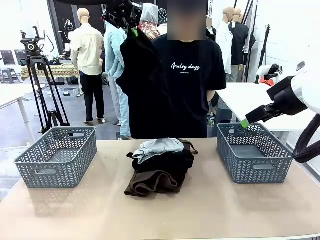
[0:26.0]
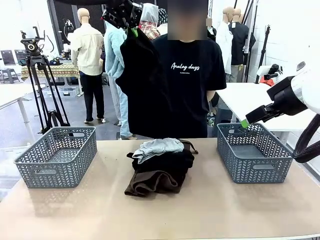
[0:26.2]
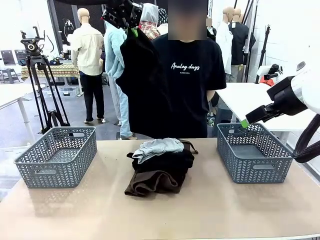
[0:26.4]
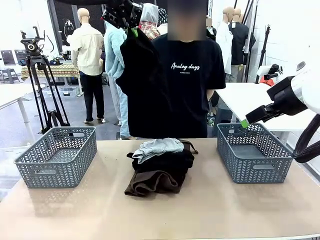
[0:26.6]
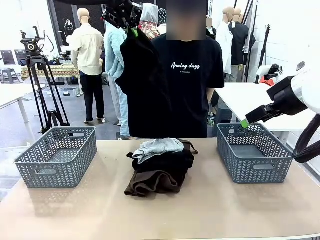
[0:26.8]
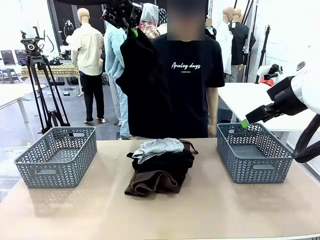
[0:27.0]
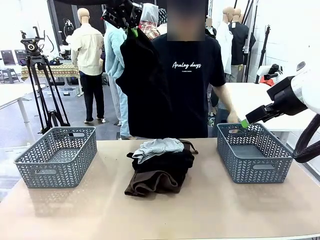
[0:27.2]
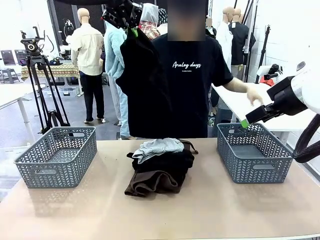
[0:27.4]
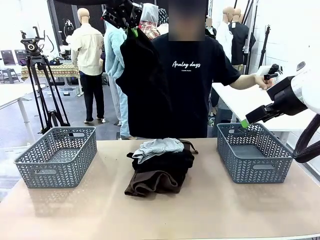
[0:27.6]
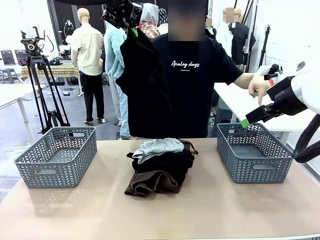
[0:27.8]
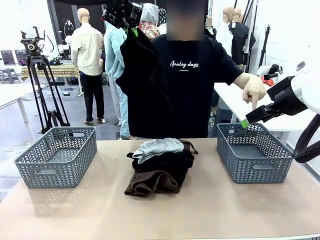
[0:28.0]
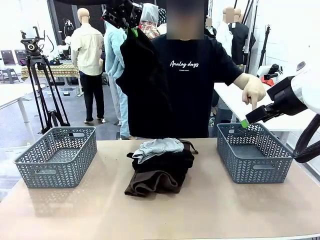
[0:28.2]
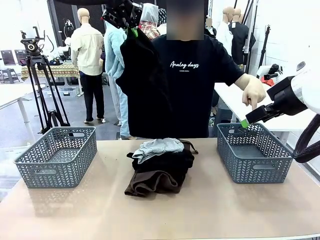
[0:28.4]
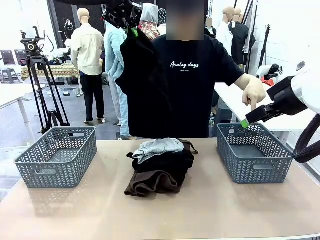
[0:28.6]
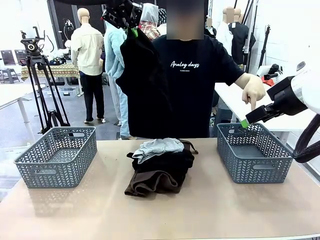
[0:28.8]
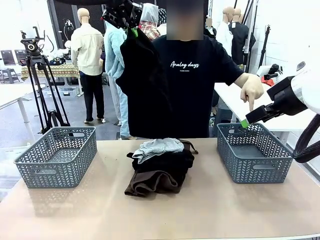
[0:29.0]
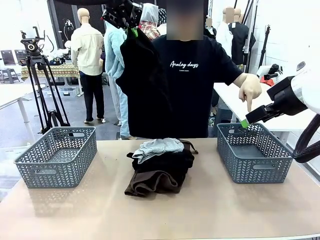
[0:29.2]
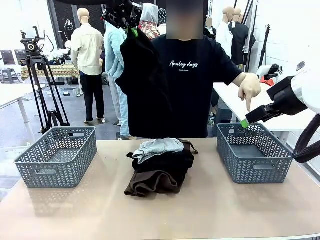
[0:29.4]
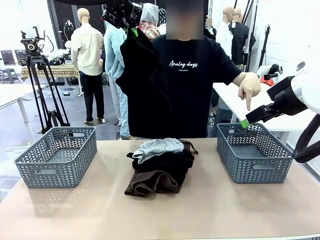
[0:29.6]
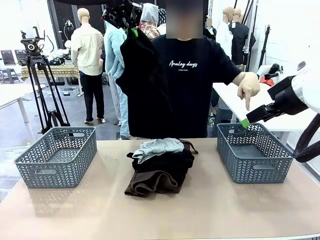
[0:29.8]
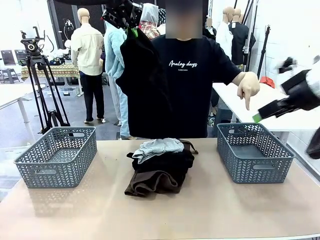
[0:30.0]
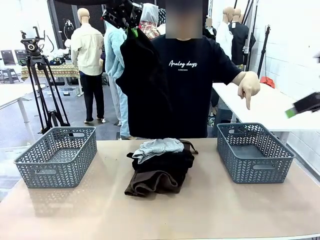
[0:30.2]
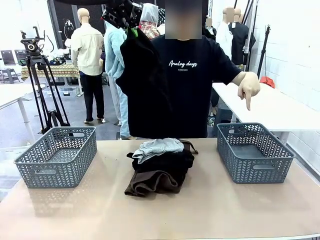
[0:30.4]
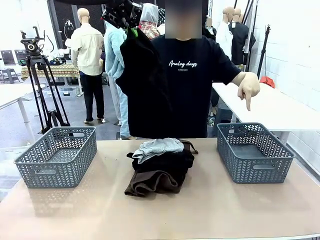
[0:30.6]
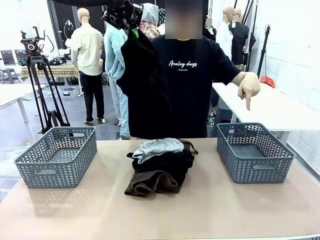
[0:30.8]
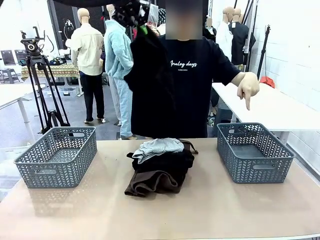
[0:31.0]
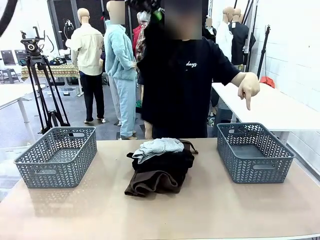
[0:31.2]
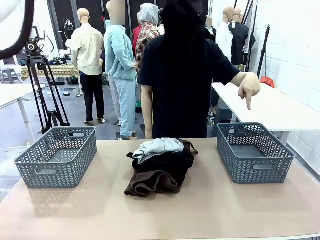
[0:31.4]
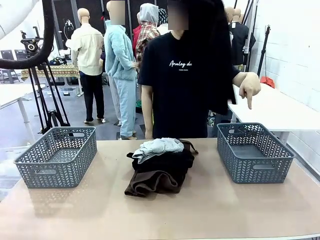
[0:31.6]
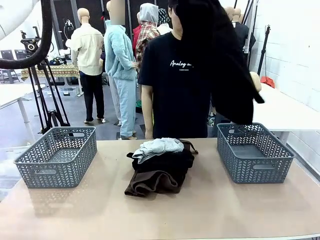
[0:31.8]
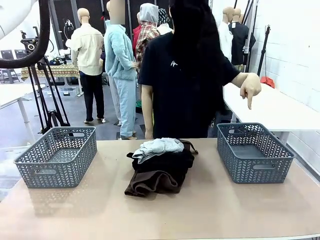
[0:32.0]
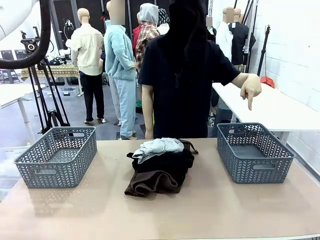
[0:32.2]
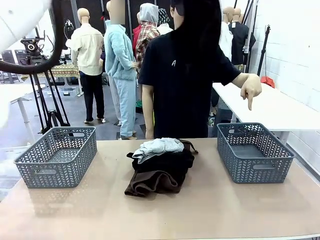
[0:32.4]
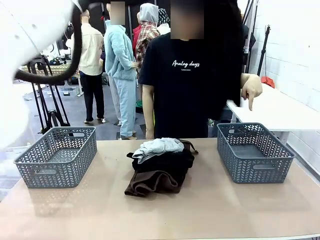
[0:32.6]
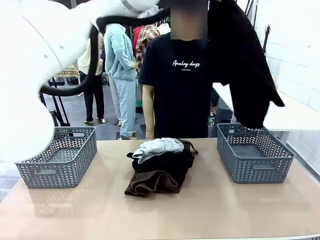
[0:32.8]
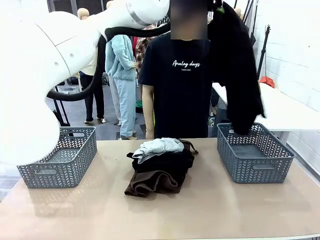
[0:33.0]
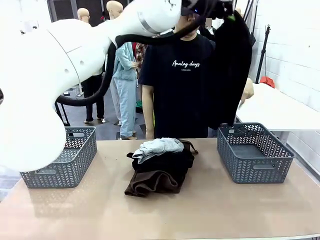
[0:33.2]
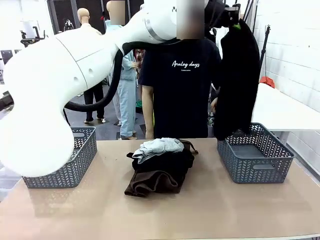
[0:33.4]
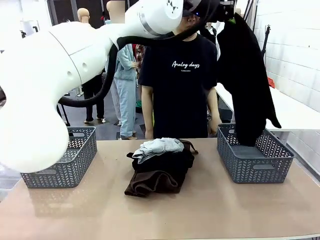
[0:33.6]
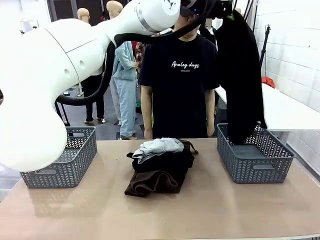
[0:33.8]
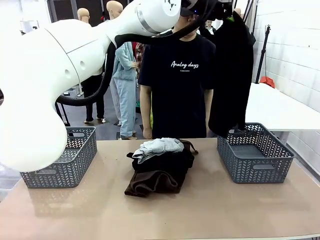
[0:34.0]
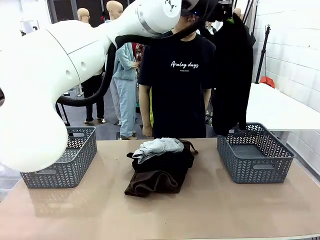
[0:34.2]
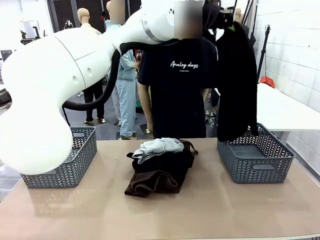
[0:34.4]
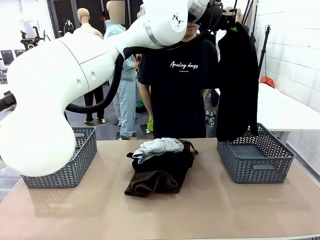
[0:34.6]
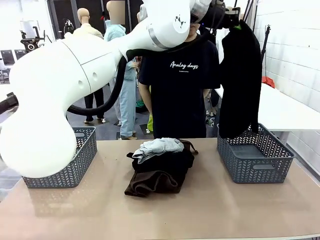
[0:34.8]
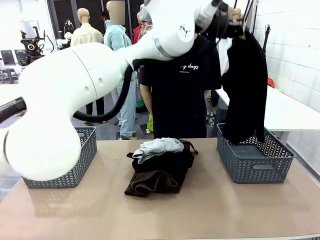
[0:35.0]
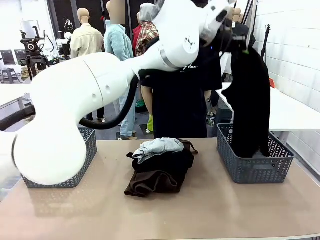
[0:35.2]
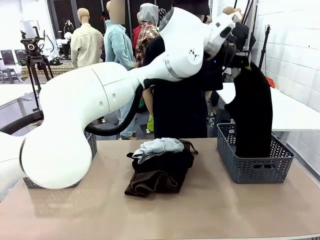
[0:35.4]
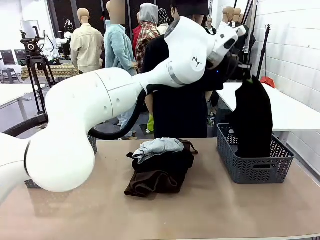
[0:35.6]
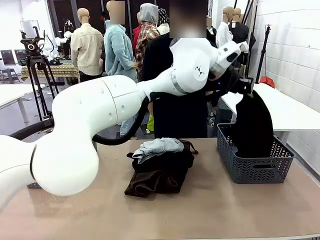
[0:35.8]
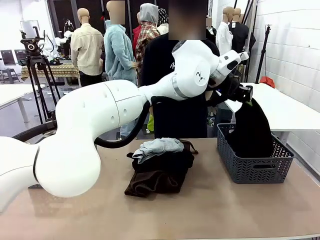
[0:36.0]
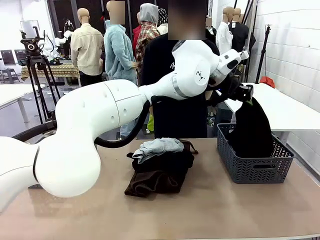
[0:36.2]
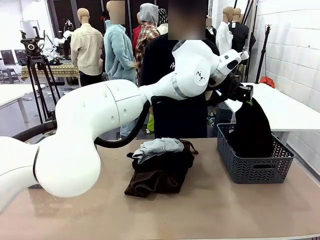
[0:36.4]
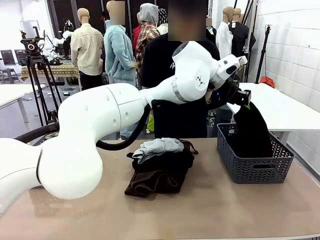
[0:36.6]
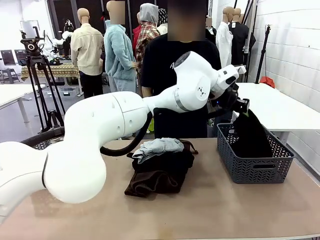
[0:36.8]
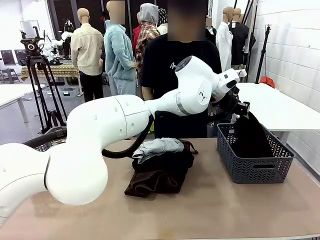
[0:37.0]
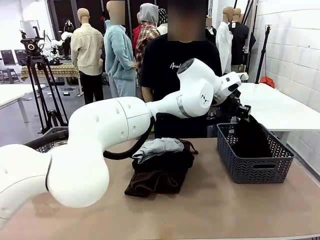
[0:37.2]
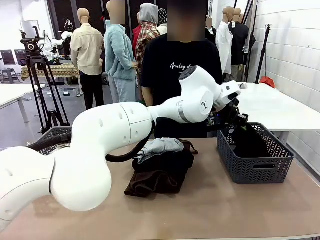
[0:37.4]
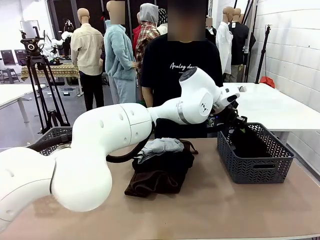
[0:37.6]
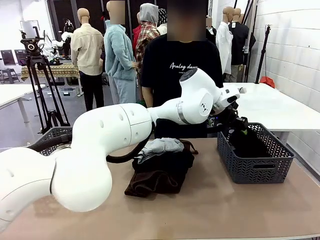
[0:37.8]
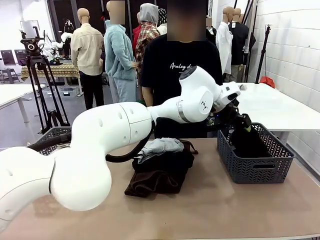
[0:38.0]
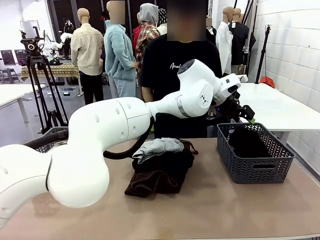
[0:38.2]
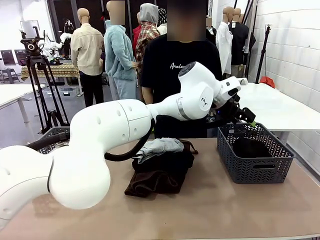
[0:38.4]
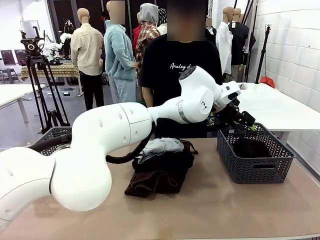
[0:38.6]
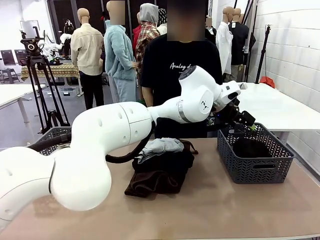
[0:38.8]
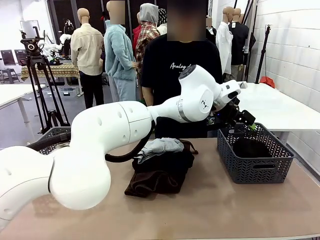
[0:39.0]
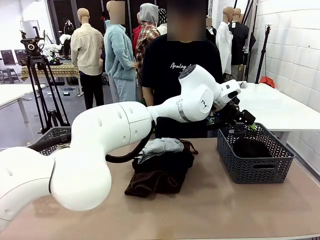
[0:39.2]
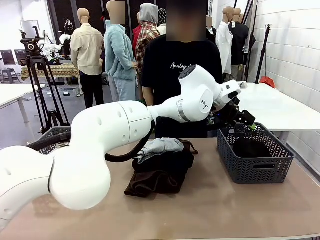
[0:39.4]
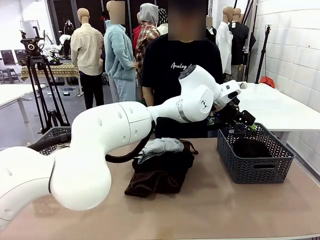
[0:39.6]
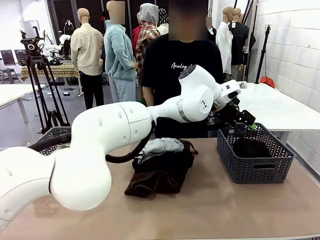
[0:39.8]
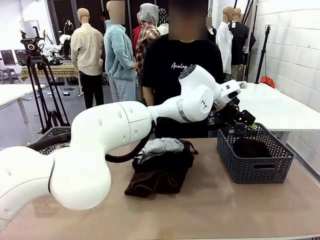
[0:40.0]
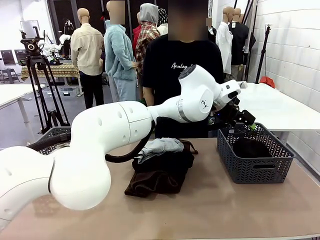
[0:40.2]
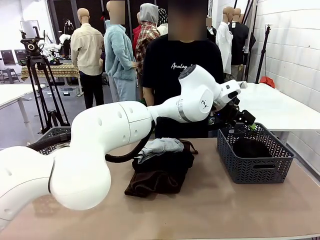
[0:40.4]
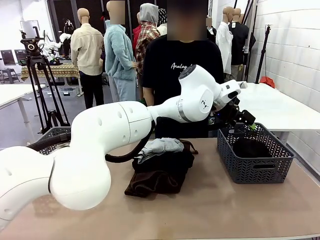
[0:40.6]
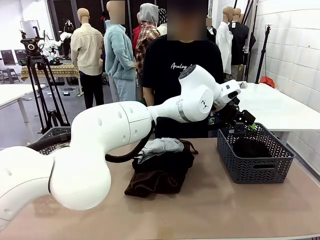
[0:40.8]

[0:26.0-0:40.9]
Task: Sort the tops and bottoms.
Robot: Sort the clothes according to human instructions.

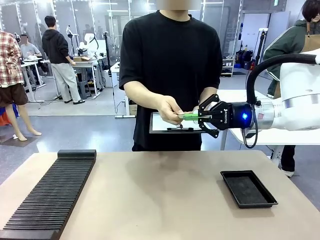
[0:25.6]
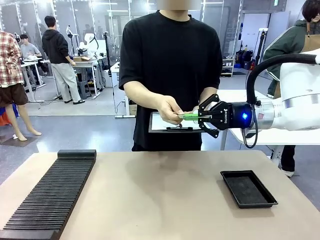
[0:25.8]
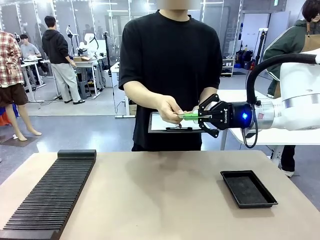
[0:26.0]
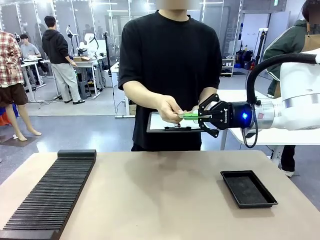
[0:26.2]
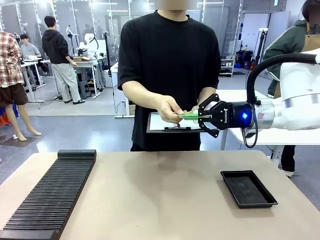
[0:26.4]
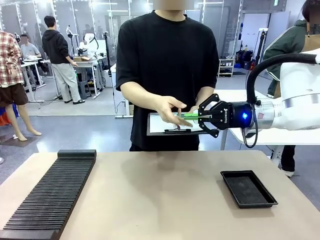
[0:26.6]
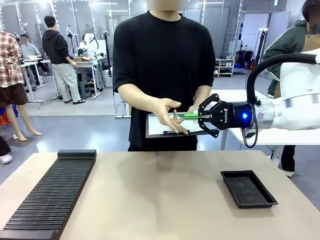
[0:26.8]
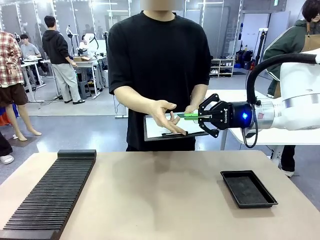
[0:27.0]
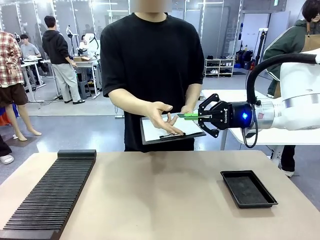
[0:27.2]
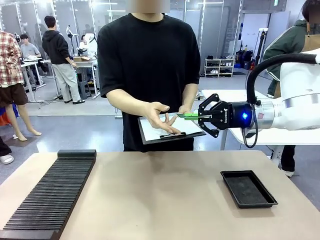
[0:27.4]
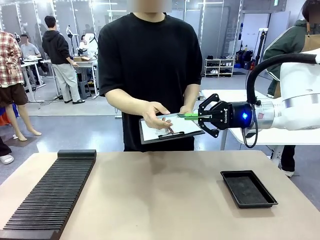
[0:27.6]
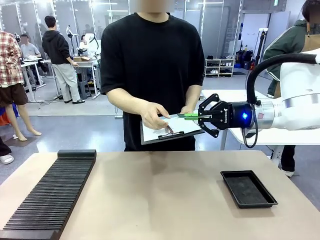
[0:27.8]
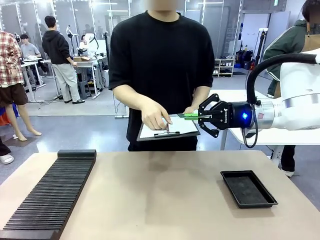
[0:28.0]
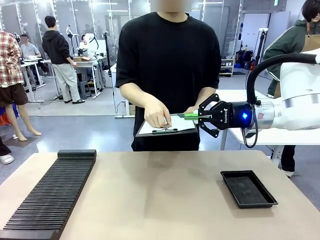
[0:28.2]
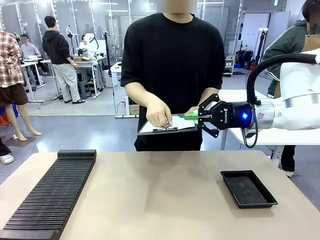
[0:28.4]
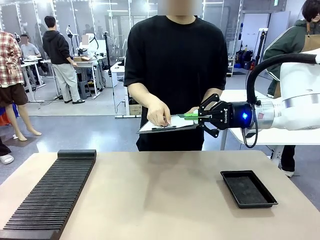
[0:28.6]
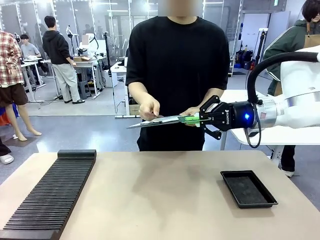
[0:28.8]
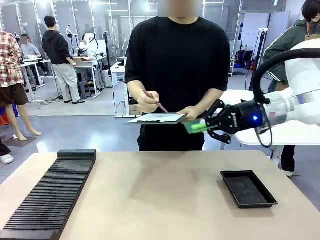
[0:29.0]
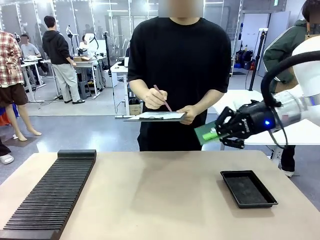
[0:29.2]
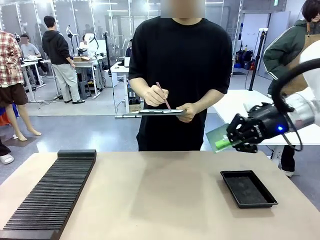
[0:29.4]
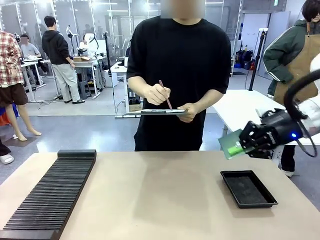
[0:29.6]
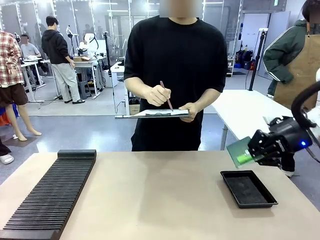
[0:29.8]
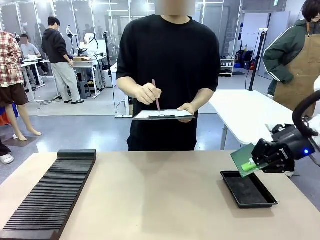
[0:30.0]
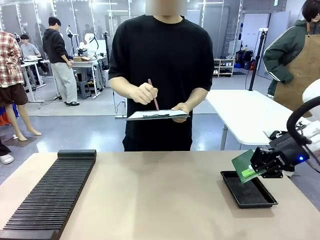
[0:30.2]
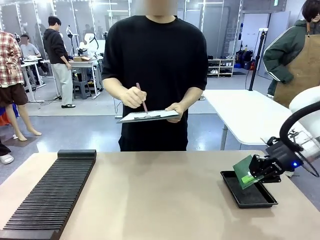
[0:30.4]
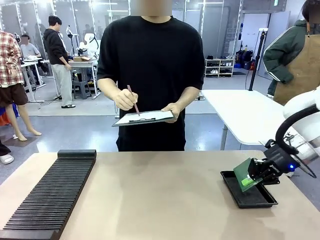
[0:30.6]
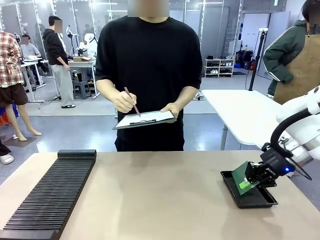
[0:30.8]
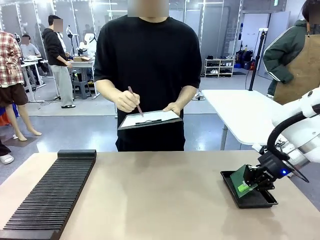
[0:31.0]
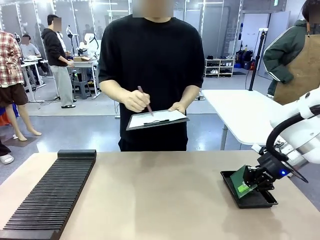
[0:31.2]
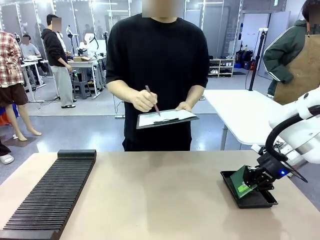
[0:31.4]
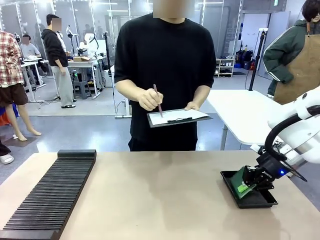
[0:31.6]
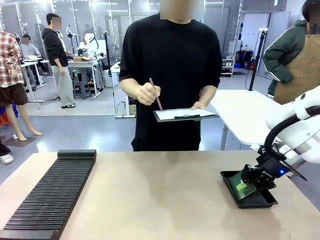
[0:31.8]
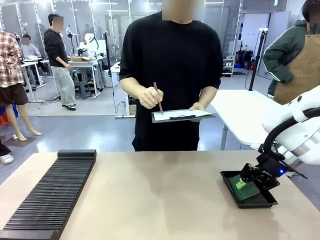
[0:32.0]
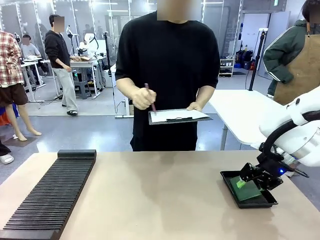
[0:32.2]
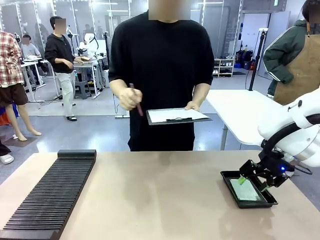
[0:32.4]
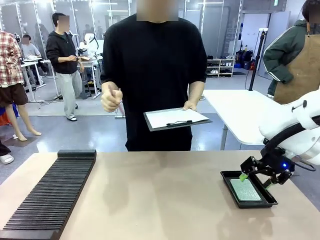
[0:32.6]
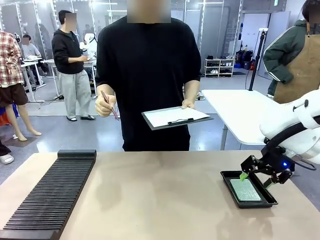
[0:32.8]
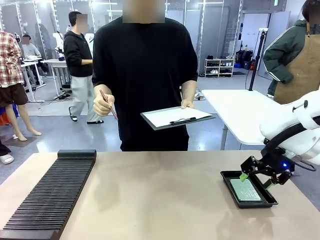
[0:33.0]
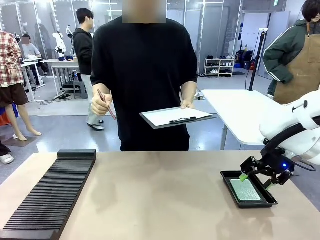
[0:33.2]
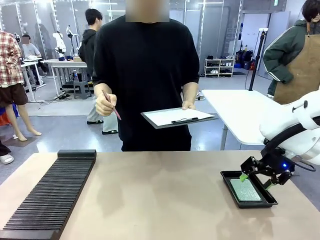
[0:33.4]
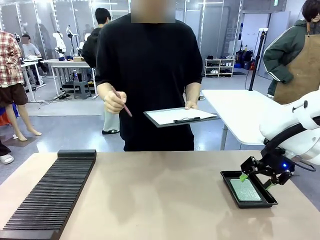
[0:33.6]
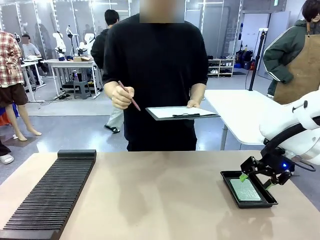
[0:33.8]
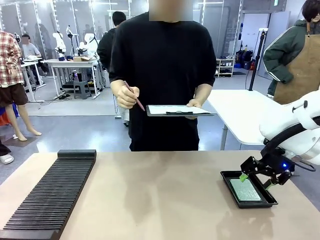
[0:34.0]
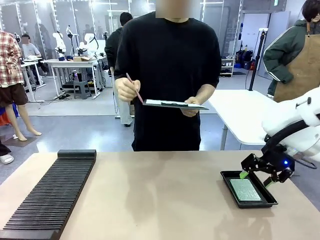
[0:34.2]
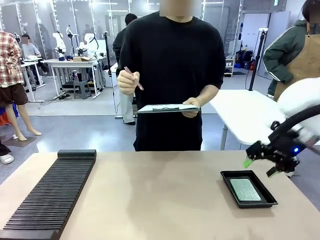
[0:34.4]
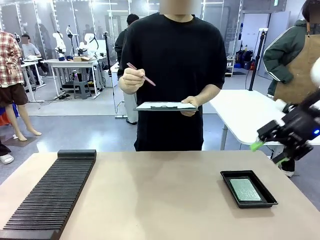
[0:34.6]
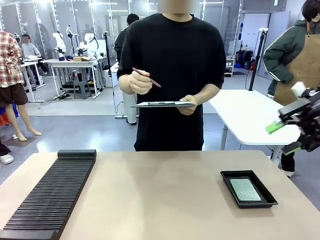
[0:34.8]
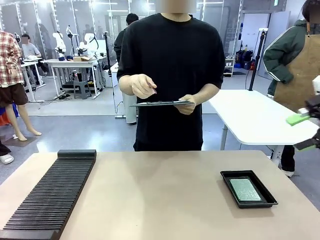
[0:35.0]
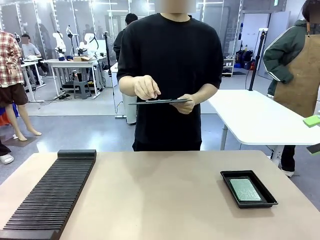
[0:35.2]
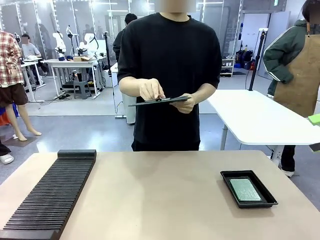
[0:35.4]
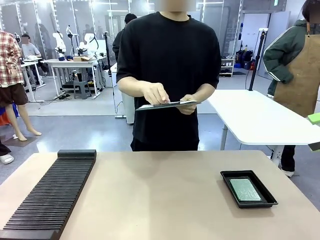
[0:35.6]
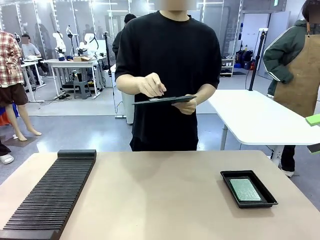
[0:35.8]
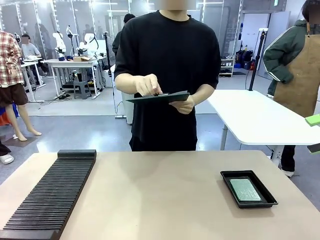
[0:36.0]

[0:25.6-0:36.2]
Task: Inspect the PCB.
Robot: Place the Blank PCB in the ESD tray.
Person: Record the PCB status on the paper.
